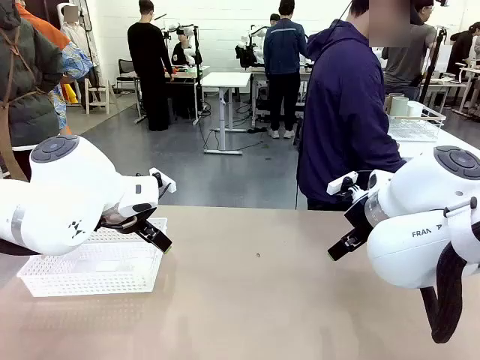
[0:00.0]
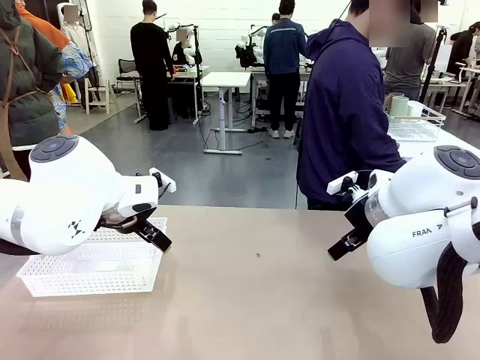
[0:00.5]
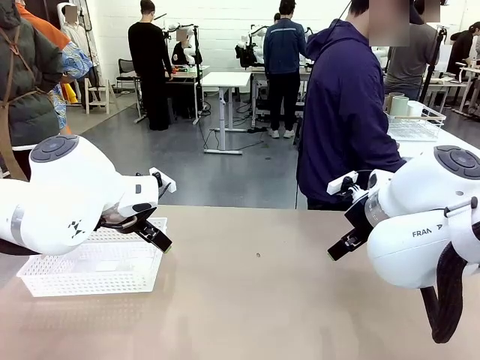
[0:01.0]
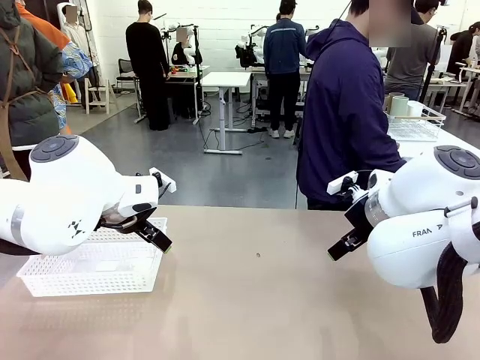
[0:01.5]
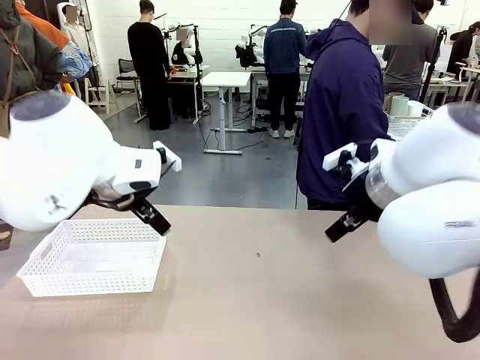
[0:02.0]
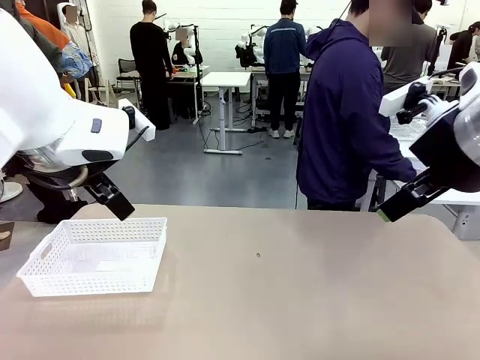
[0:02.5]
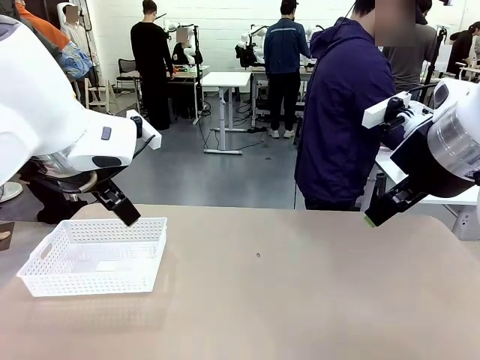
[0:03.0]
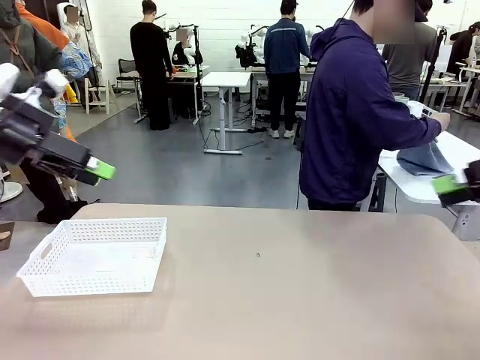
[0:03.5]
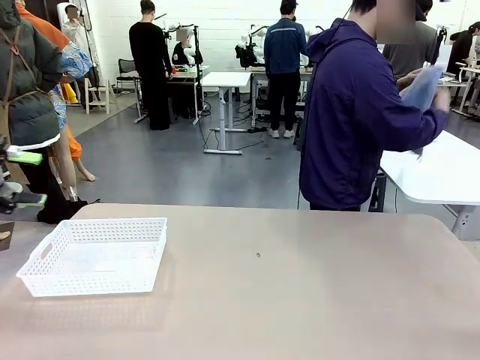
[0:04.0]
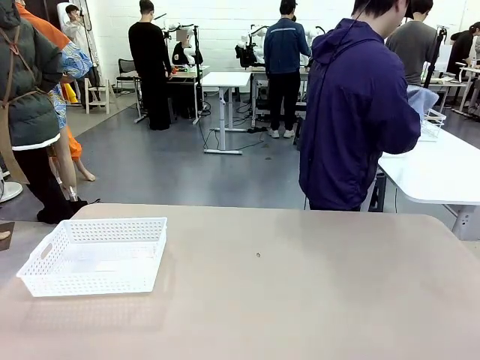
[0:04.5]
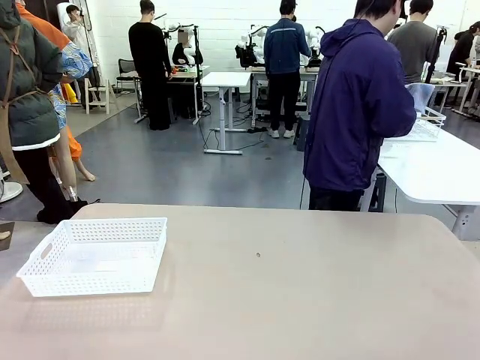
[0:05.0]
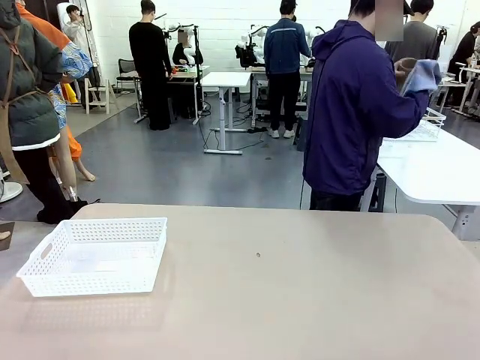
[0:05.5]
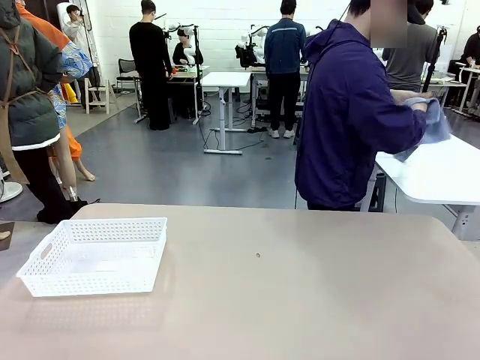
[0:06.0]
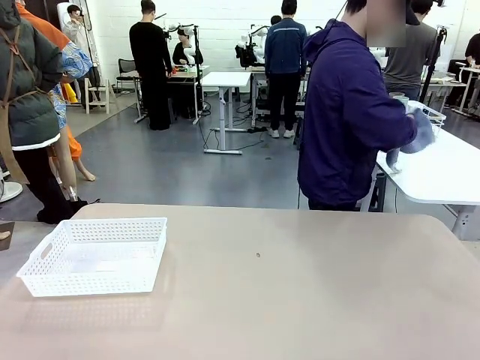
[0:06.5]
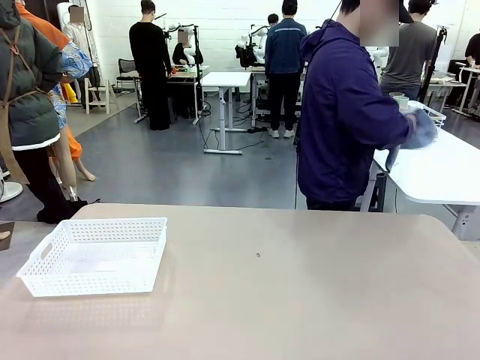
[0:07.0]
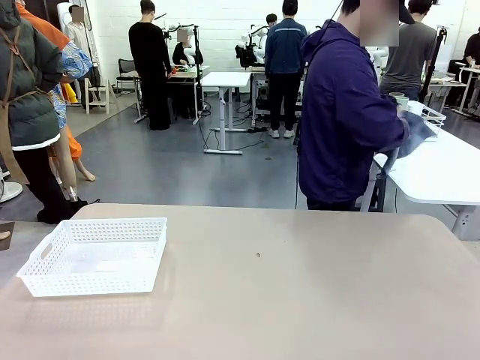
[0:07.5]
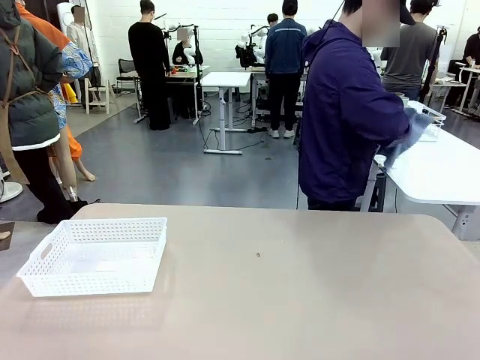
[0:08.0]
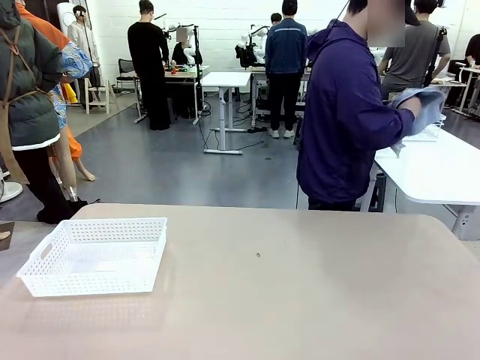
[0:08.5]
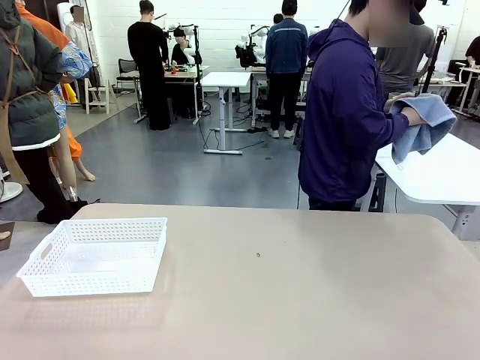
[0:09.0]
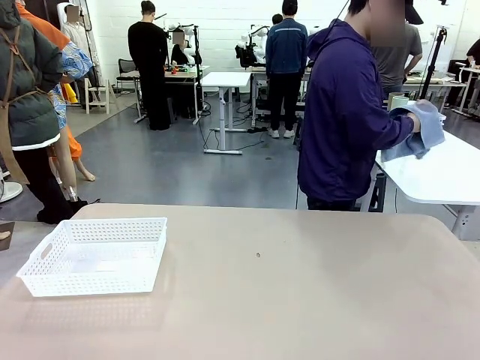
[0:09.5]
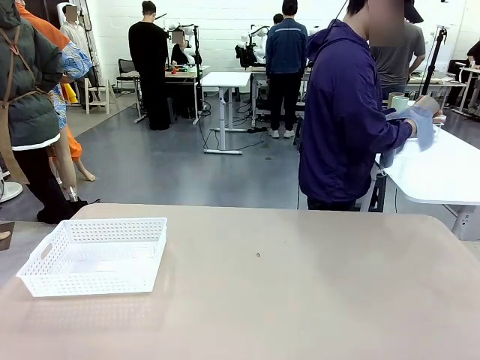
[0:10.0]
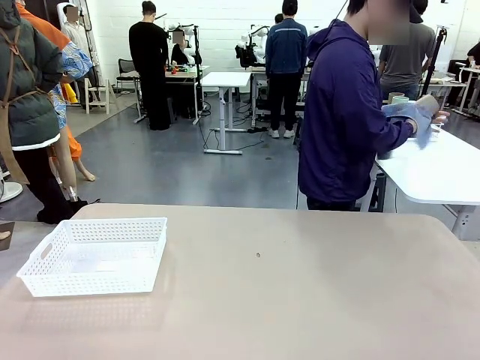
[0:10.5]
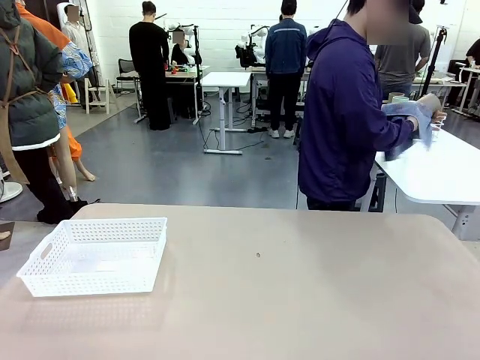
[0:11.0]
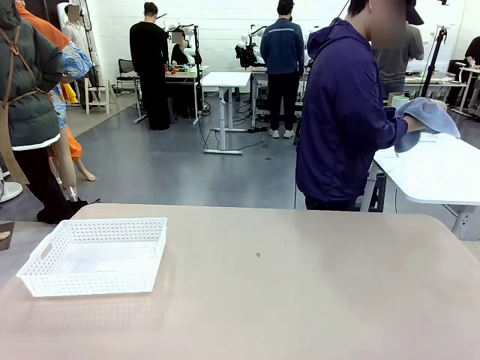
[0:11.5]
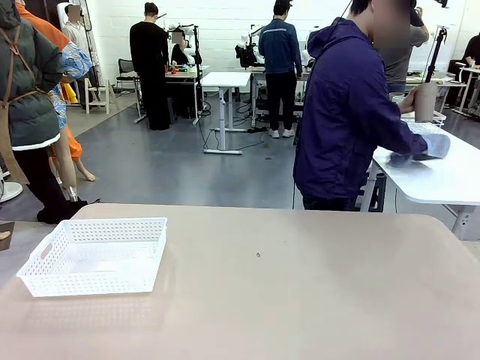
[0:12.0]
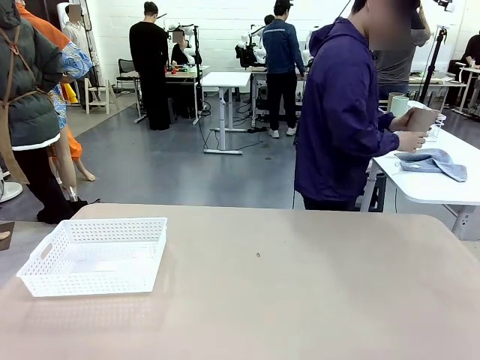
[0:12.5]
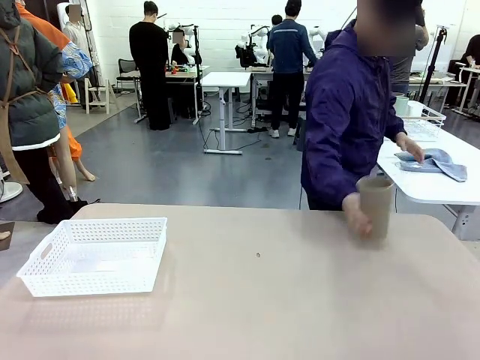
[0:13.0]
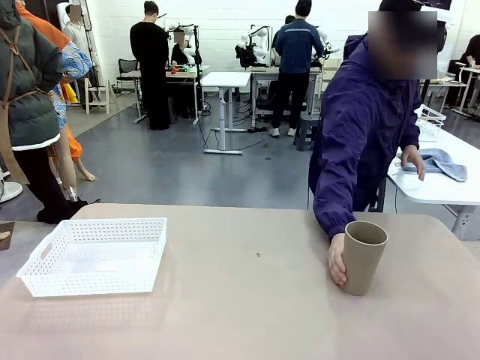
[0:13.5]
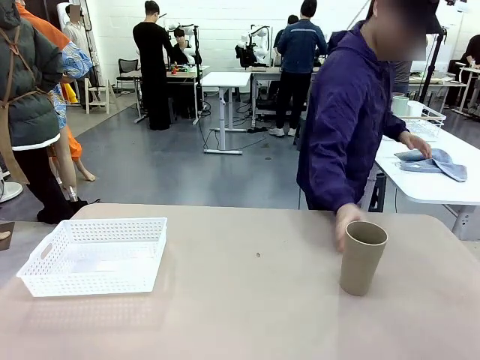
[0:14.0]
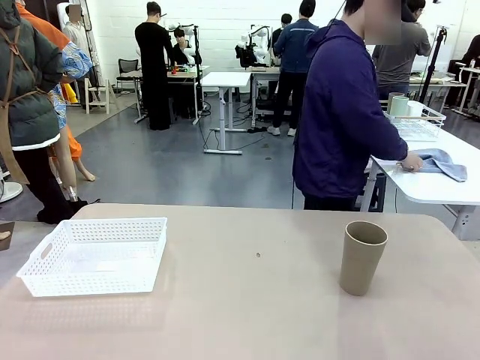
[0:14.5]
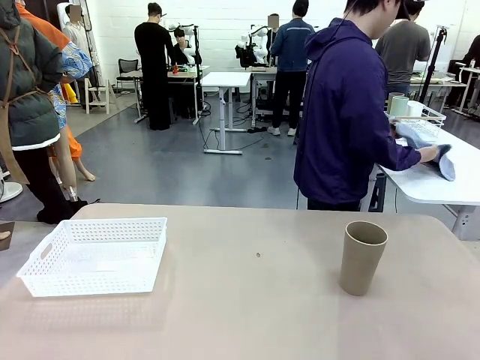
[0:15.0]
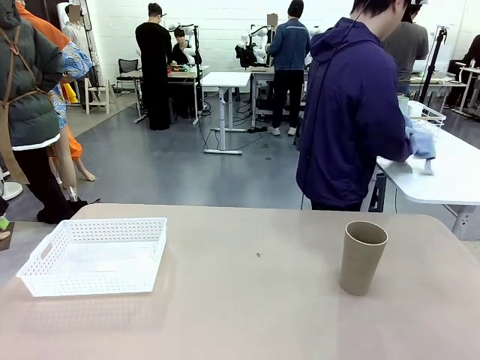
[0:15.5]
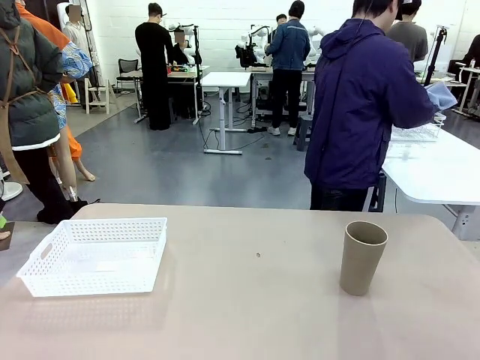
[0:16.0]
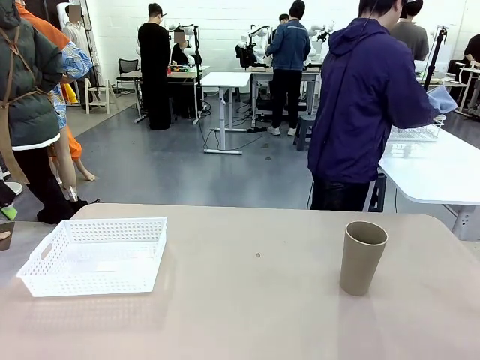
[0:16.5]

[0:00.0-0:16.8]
Task: Clean and organize the cups into the basket.
Robot: Pick up the Organizing basket and move it to the center of the table, then pick up the Reusable plastic cup from the right side of the table and place it inside the Organizing basket.
Person: Picks up a cup and a towel, cleans the cup with the towel, and places it on the left side of the robot table.
